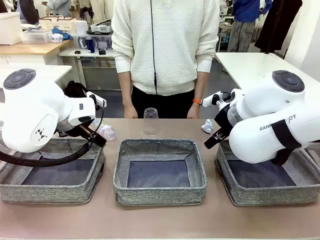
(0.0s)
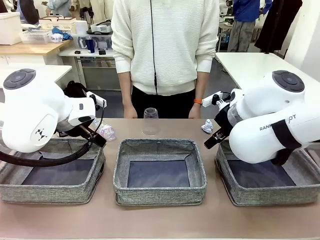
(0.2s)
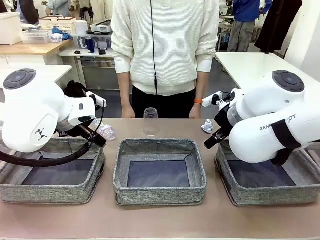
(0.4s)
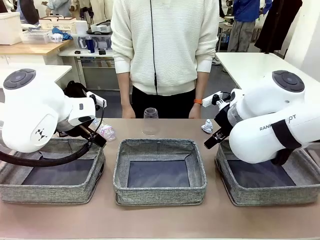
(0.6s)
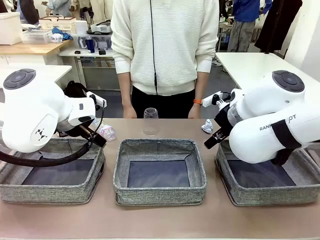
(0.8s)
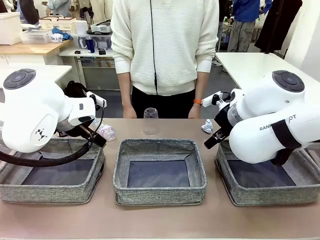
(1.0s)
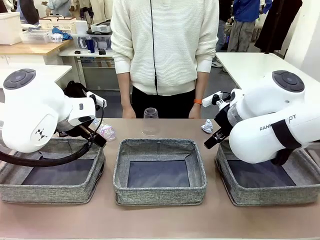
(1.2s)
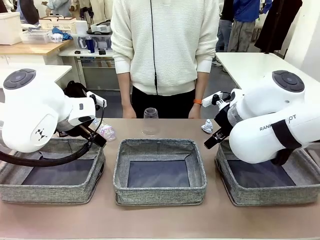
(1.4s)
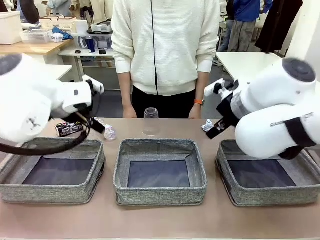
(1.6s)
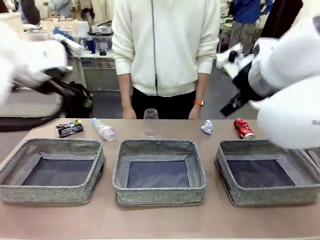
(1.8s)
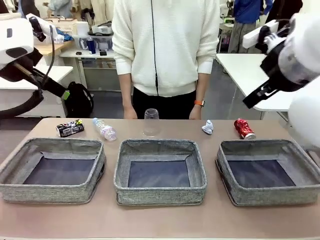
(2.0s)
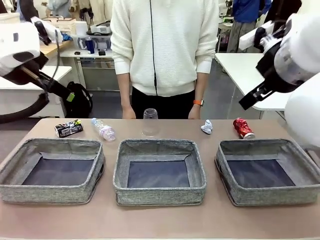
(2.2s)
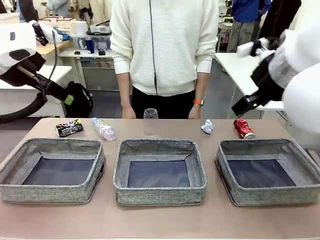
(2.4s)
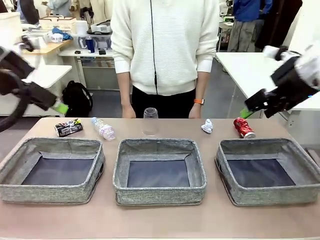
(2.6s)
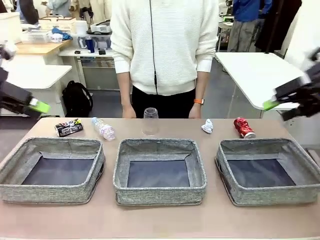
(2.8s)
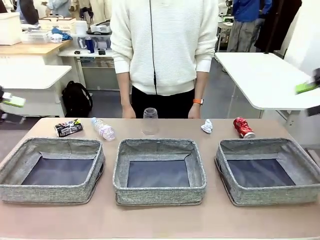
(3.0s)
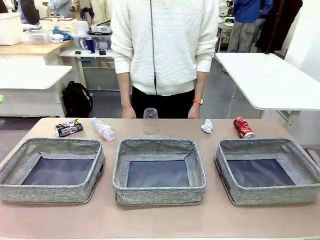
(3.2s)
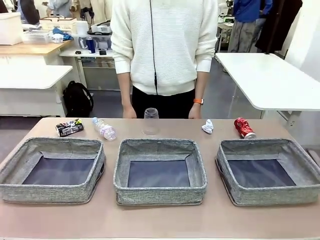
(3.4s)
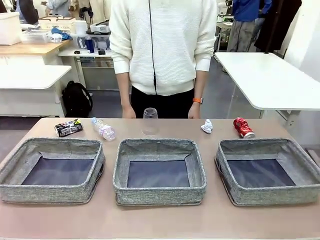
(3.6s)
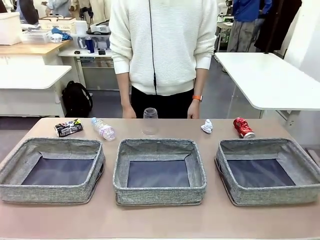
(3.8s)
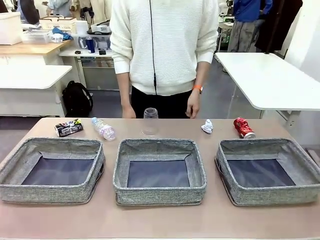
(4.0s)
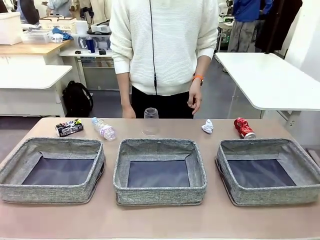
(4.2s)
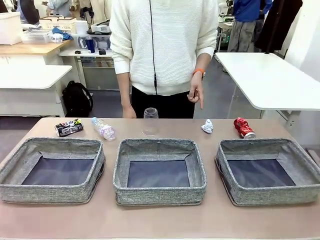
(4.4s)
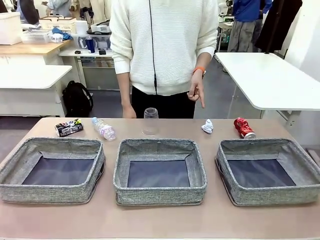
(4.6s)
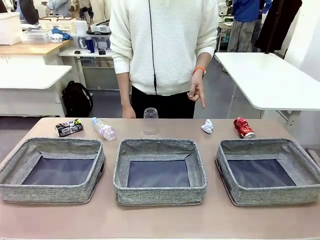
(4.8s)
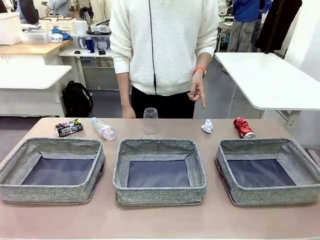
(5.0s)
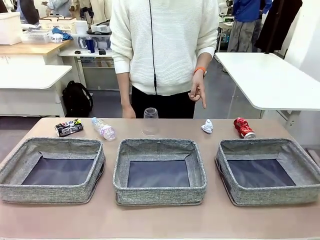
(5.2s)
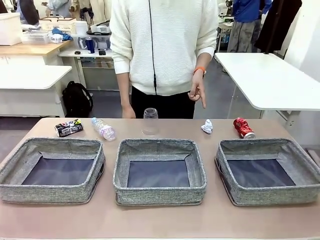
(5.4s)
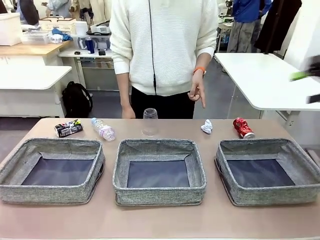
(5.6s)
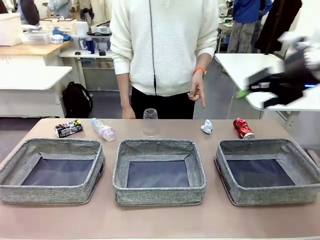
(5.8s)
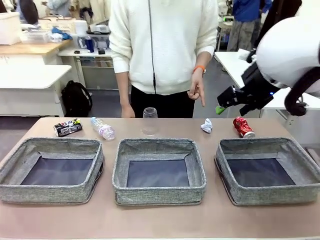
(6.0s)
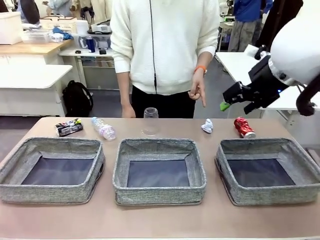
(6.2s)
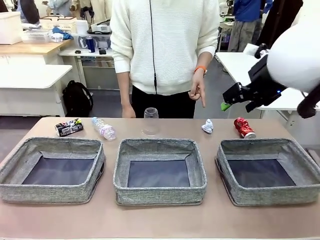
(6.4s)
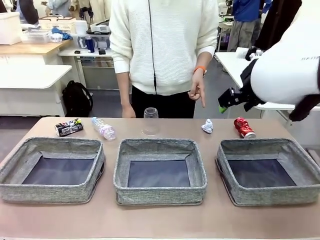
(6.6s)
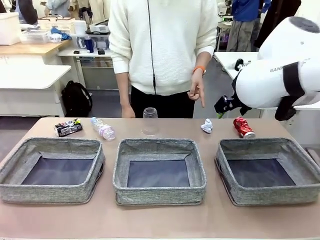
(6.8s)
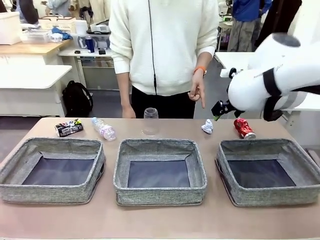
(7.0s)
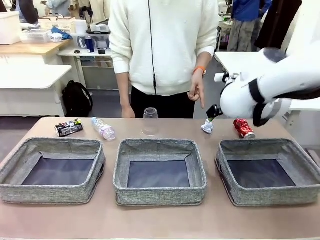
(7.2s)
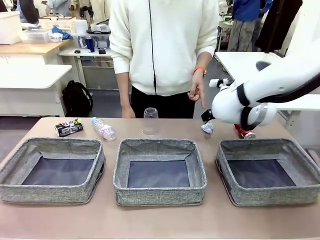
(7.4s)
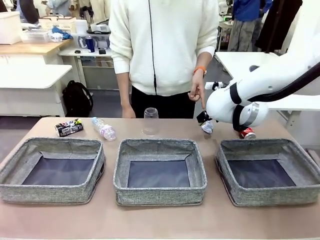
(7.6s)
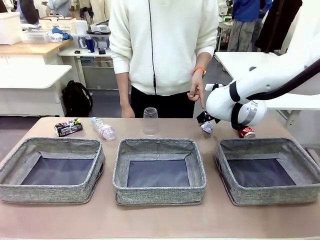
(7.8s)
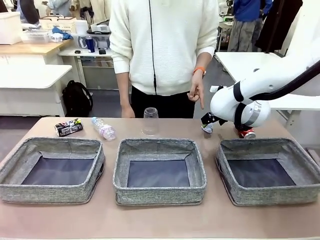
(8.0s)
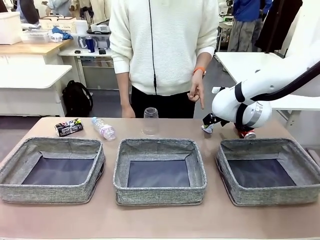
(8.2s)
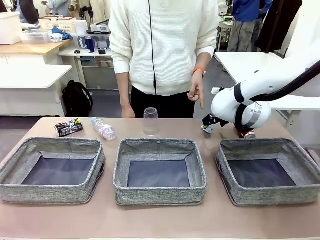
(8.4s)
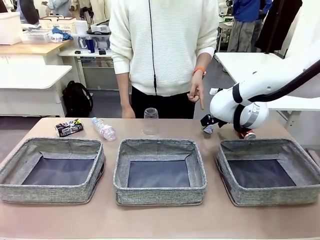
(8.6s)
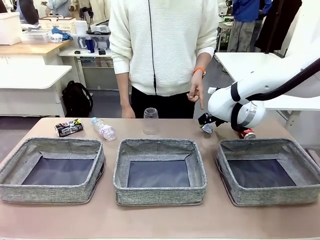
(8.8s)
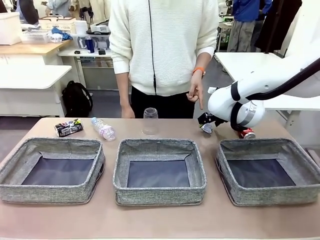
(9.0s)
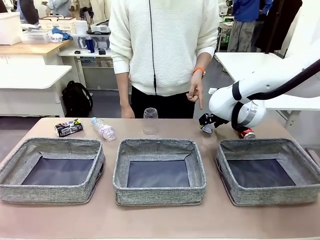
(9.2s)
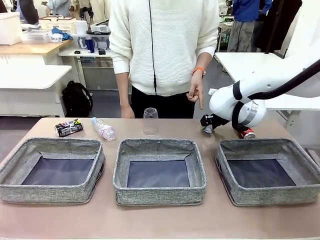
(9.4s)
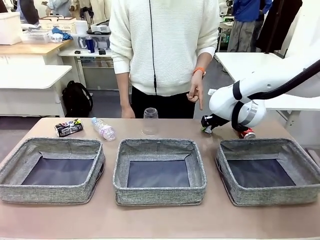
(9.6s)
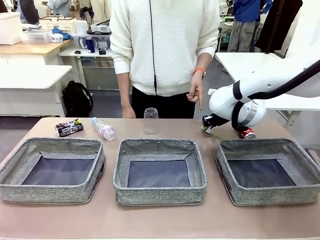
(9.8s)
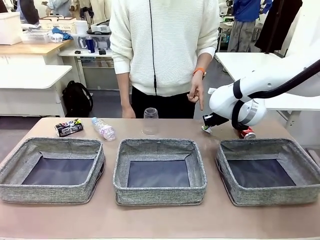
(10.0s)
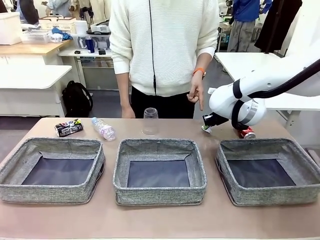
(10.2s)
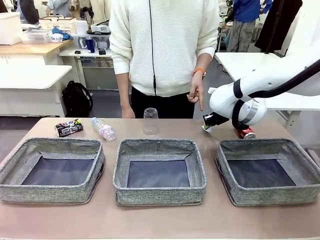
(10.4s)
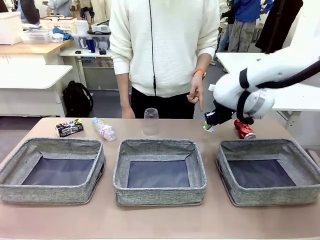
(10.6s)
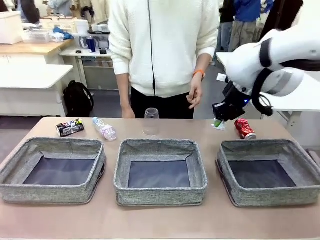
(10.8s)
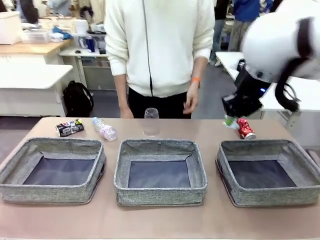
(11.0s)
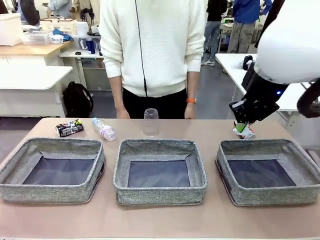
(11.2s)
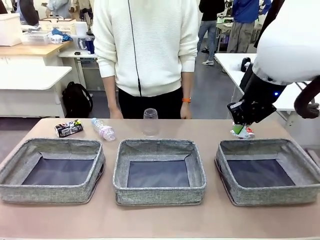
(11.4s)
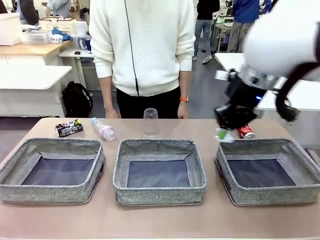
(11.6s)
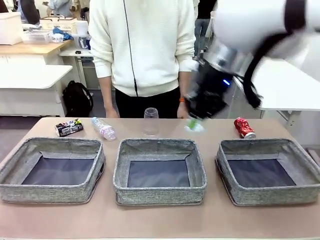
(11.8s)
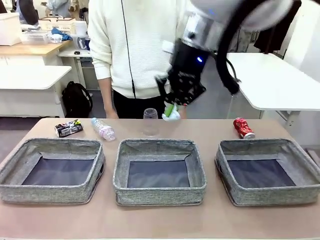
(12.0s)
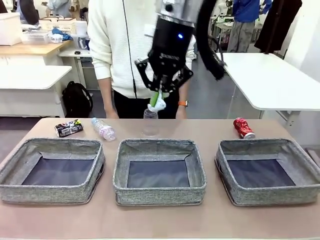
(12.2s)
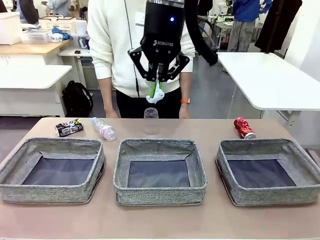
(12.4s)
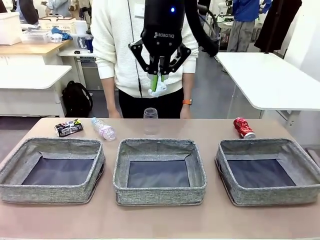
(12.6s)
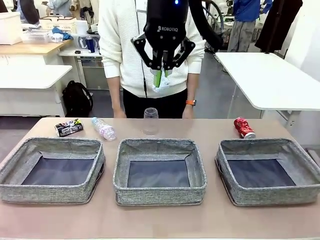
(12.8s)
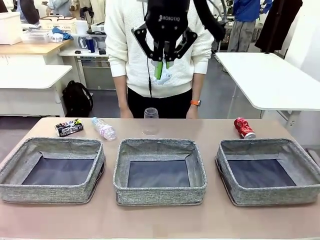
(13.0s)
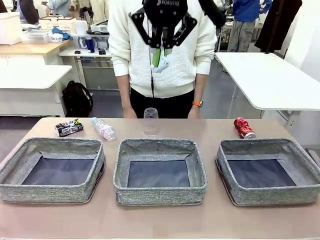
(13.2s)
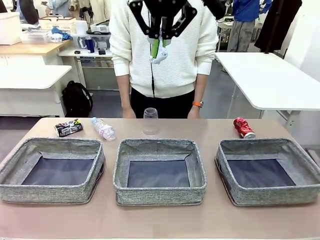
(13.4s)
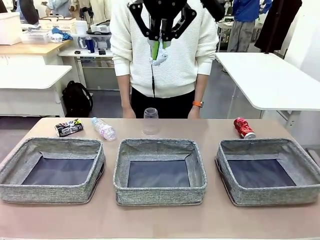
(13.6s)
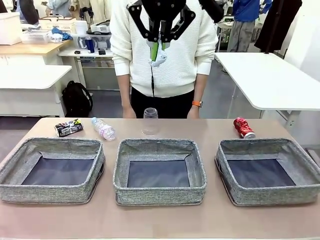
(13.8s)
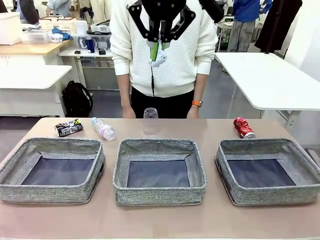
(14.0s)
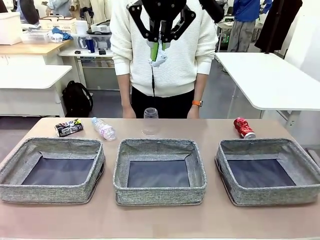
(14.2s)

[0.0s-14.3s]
Task: Sort the waste into the appropriate baskets.
Robot: Pick up the waste item pointed out by the person.
Person: Points to one piece of trash on the table.

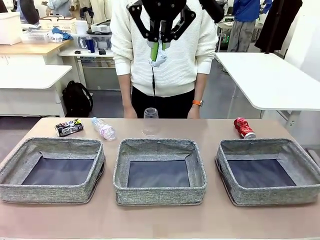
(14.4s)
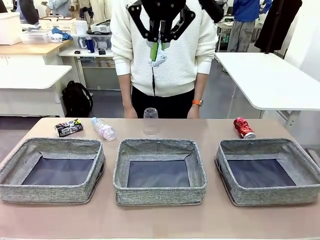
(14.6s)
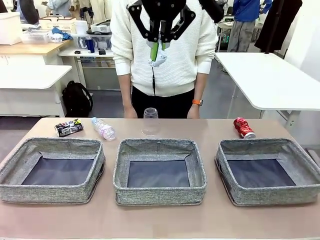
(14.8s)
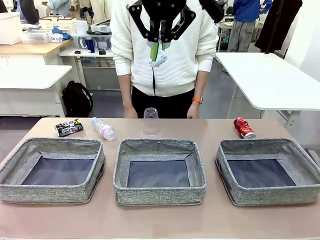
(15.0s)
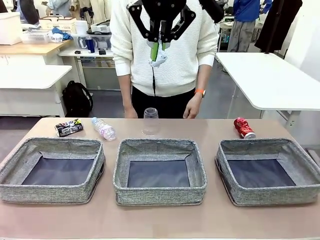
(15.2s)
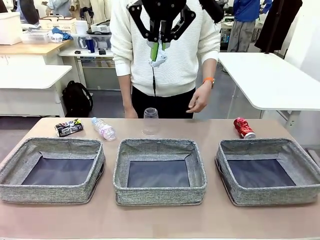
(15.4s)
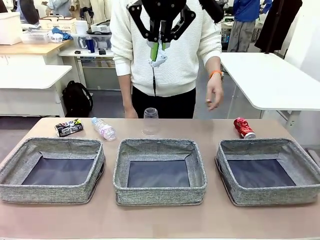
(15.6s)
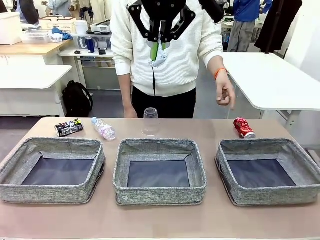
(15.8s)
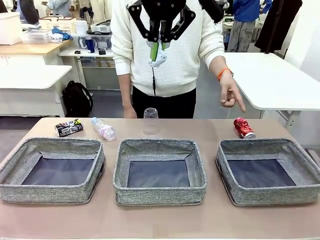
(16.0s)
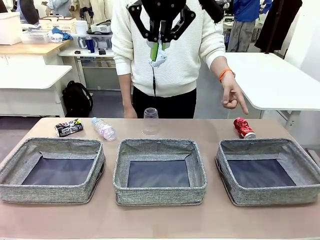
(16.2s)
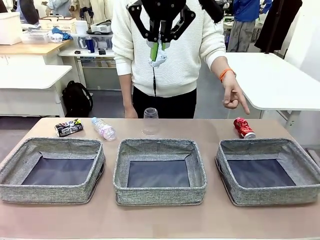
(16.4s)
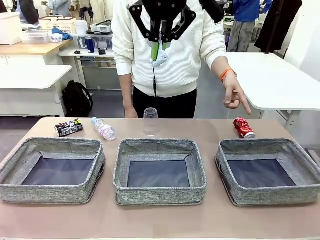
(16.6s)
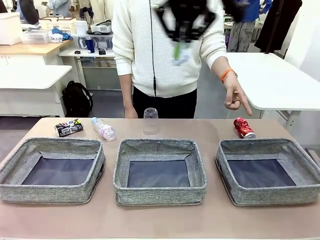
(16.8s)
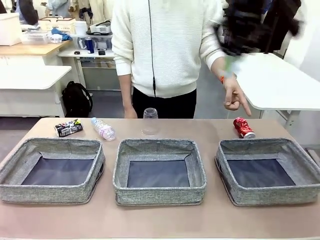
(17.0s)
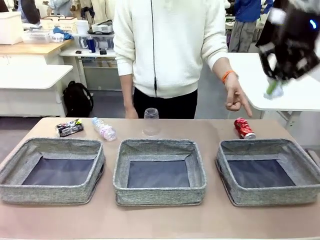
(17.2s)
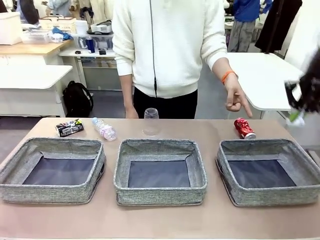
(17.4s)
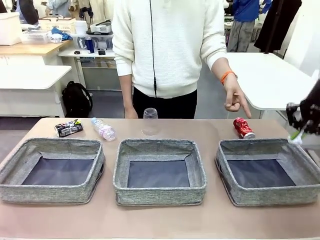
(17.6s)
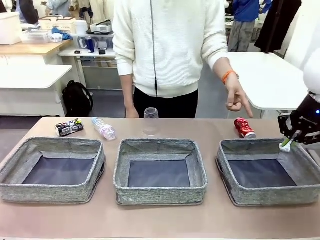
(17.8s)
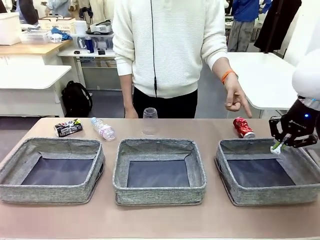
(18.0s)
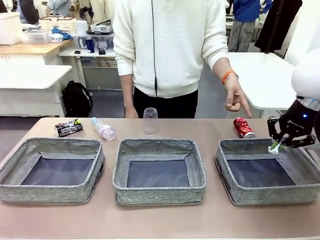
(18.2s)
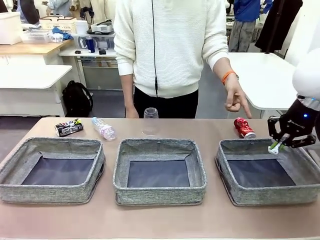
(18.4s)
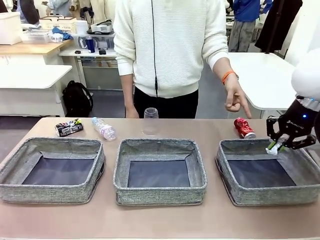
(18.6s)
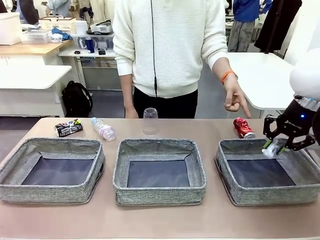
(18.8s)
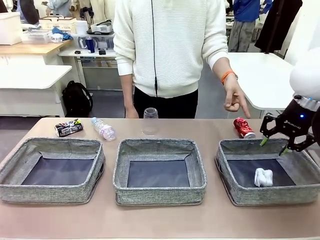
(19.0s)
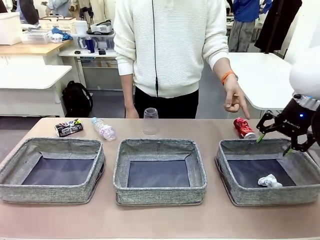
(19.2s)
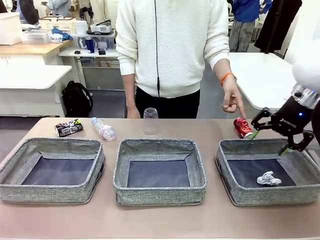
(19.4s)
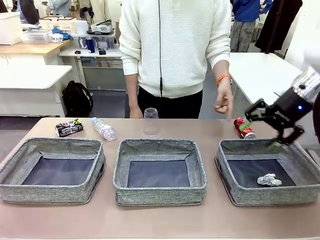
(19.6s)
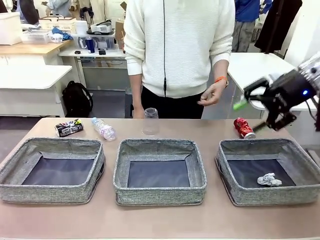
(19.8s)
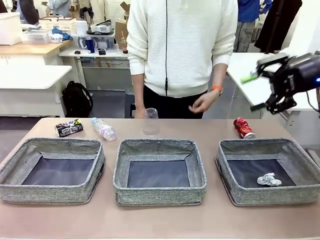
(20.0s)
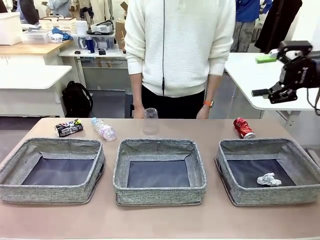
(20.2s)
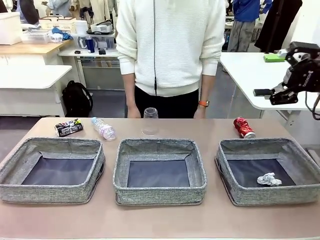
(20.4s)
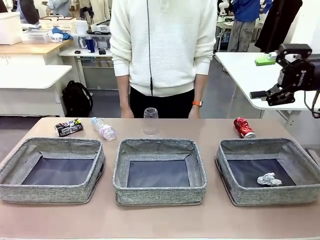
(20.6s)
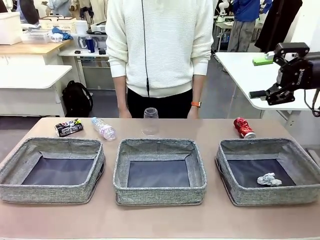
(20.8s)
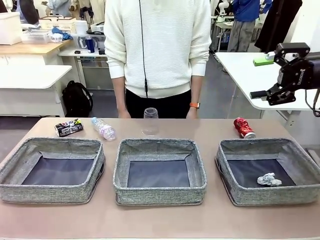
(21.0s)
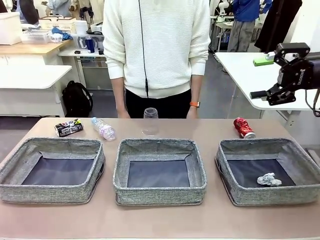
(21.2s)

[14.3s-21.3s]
Robot: Place the picked waste into the Fabric basket indicated by the person.
Person: Instructs the robot to place the picked-up trash into the appropriate organizing basket.
